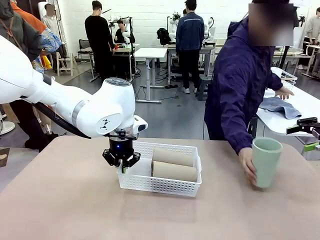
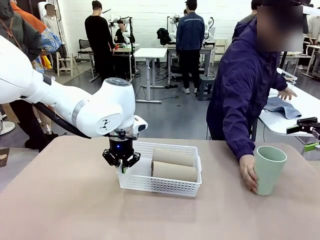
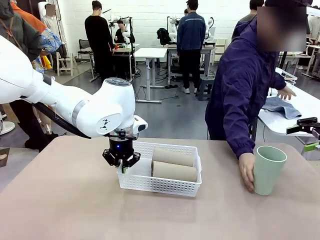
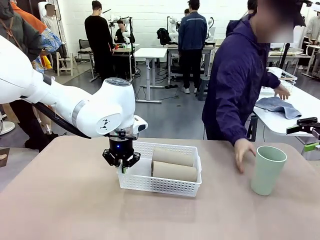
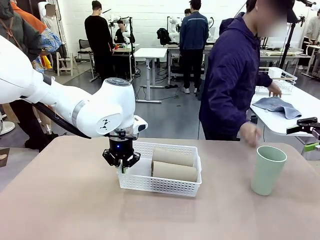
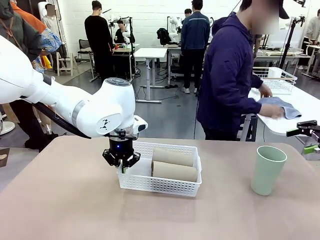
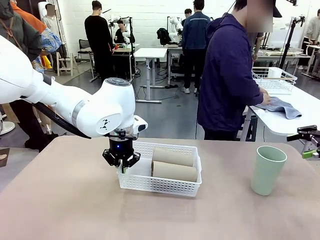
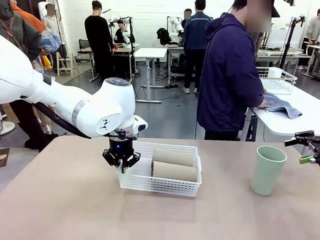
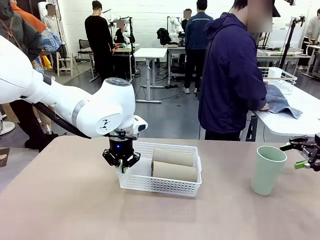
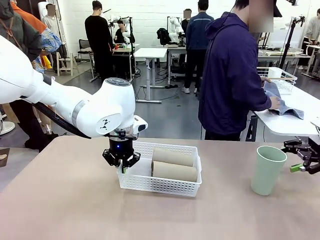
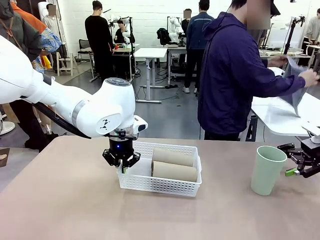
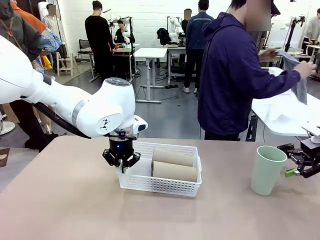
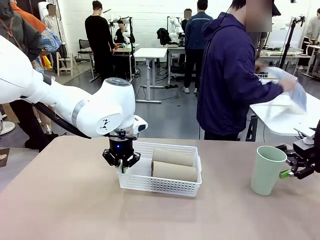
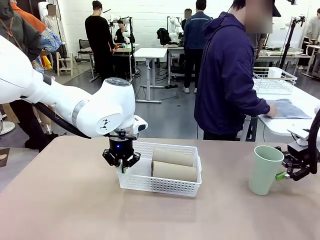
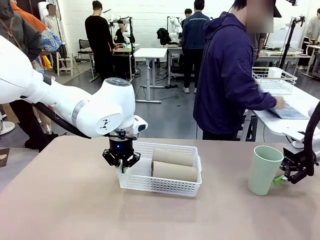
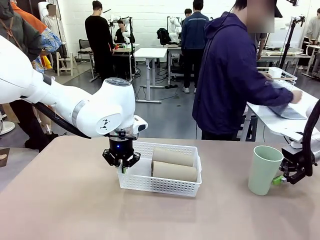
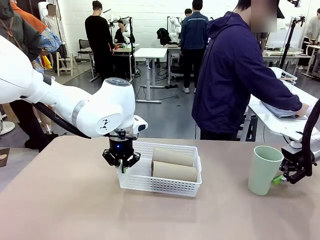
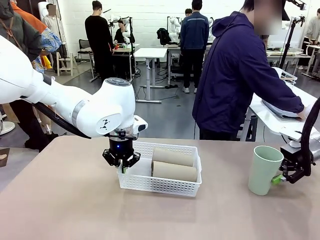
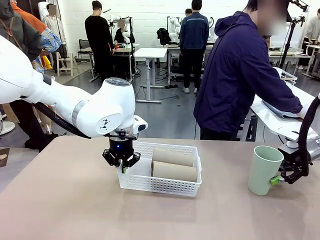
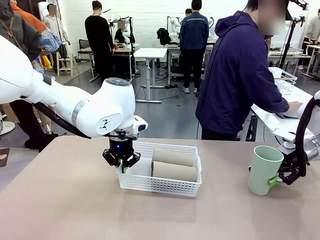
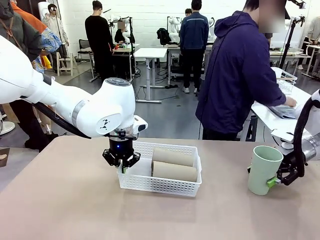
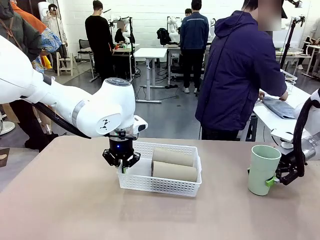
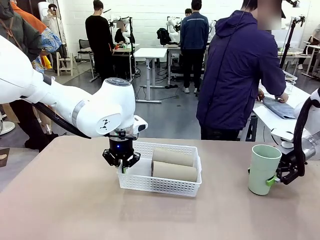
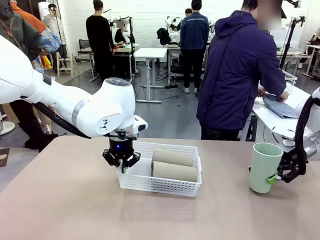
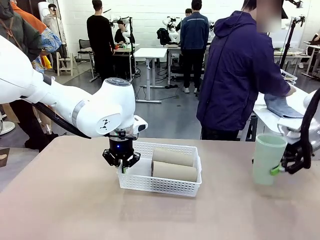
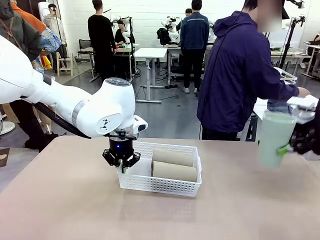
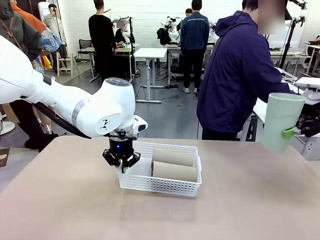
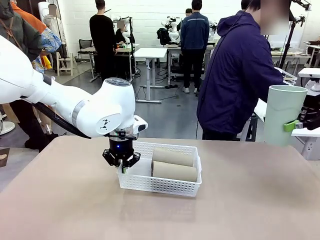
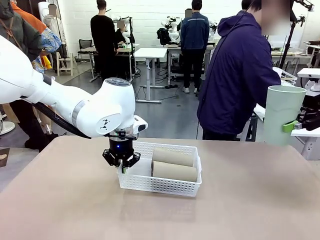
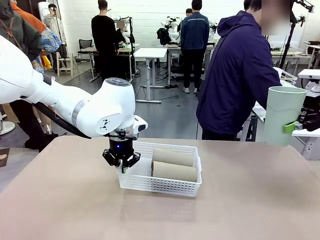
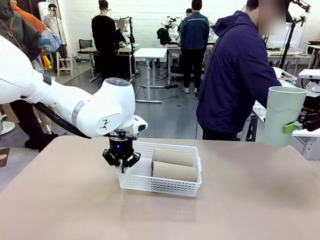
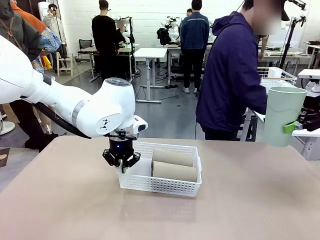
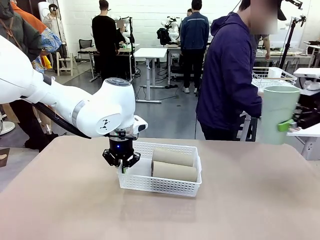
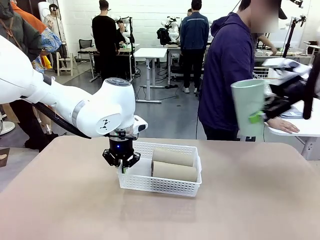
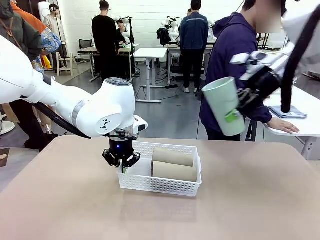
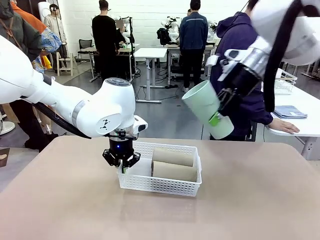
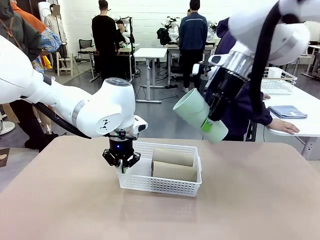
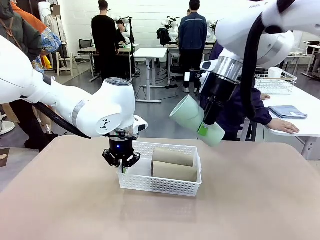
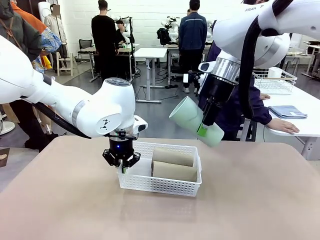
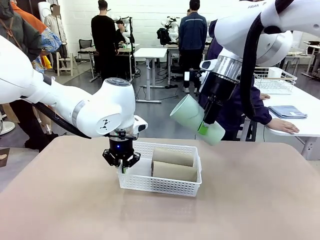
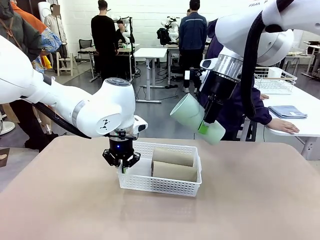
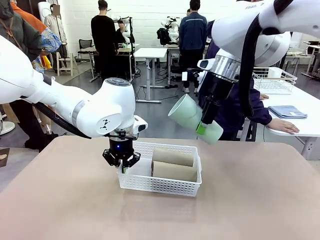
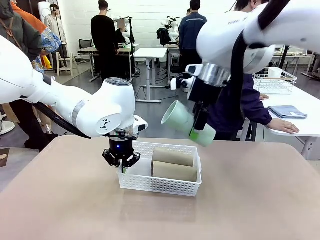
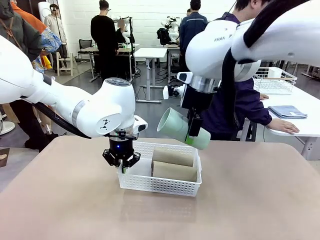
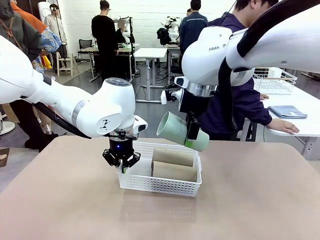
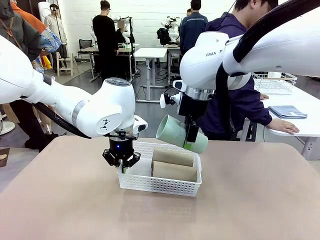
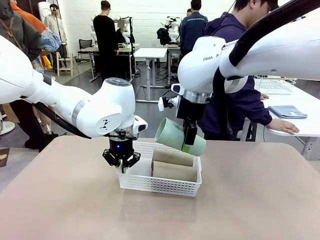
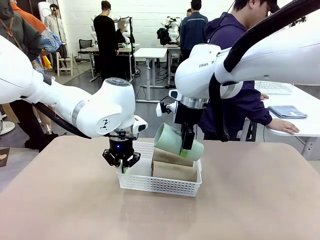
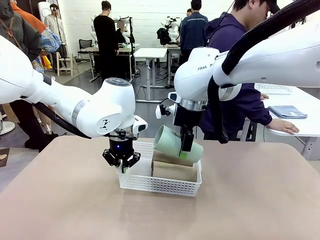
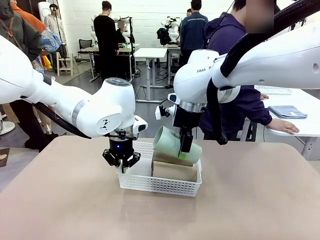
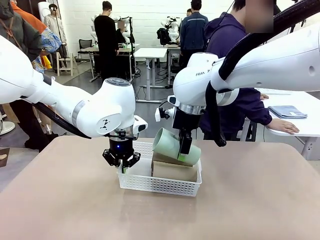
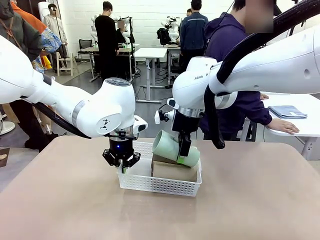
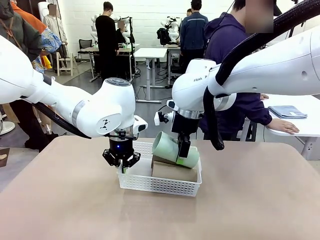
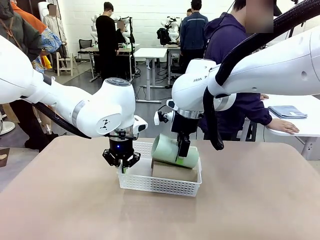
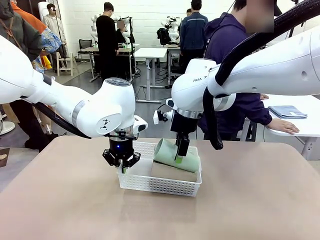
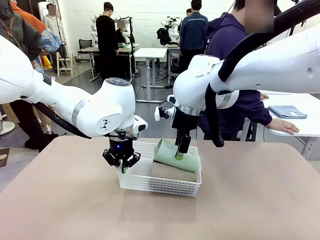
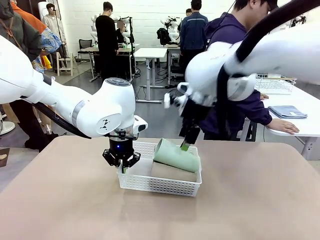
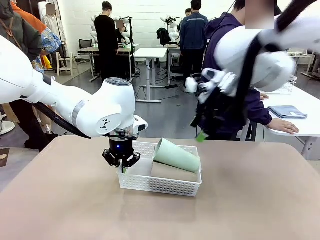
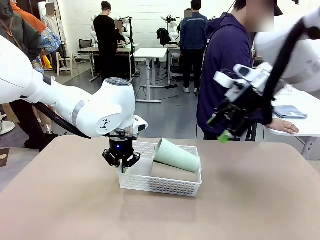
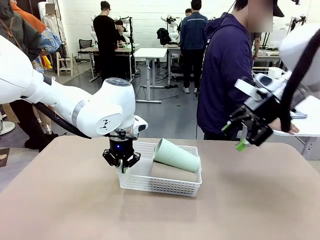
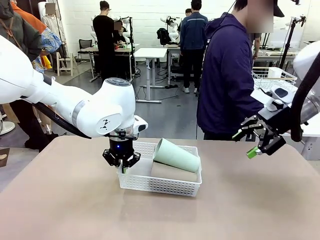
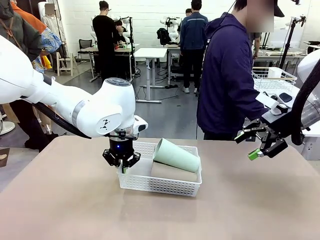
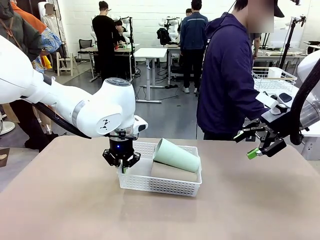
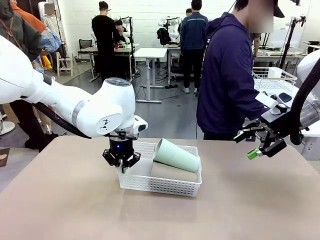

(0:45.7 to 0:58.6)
Task: Clean and organize the cups into the basket.
Robot: Pick up the Reusable plastic cup from the right side of the table and stack it inside the Organizing basket in the center of the table.
Person: Folds the towel in half twice and places it in the right of the table.

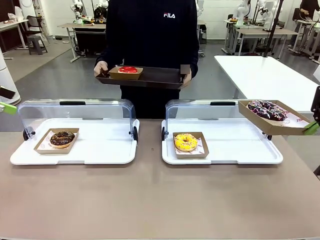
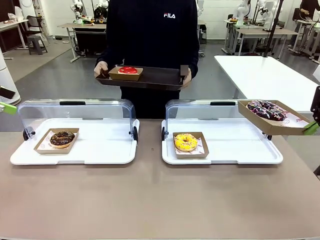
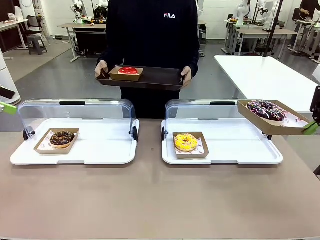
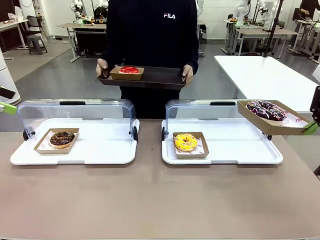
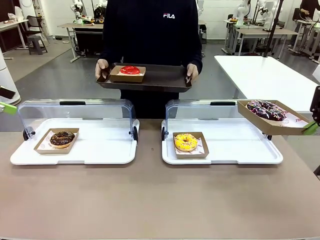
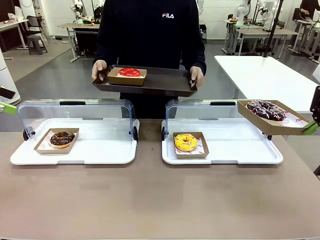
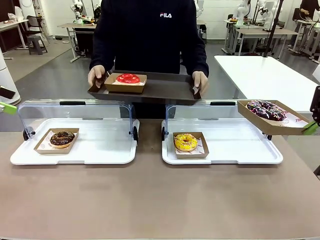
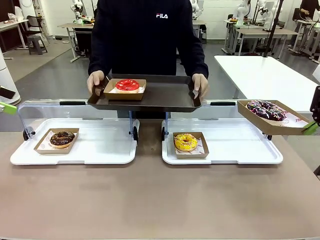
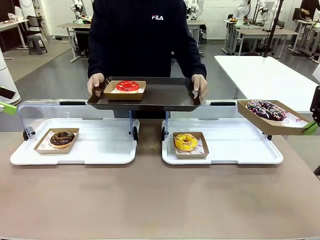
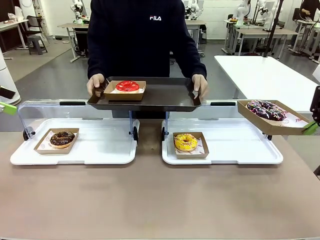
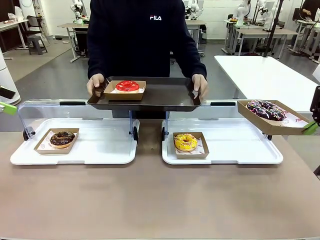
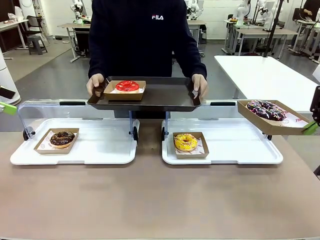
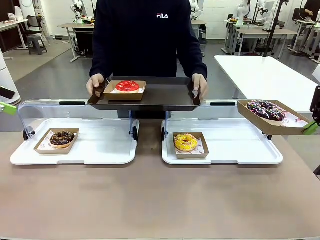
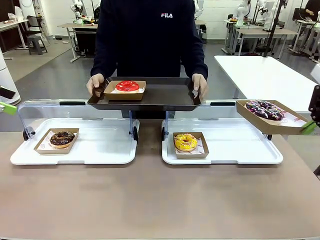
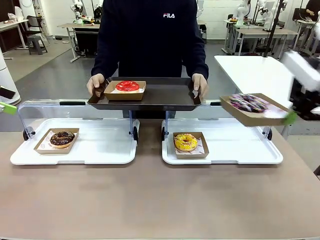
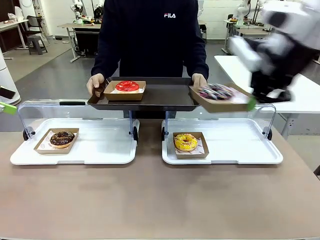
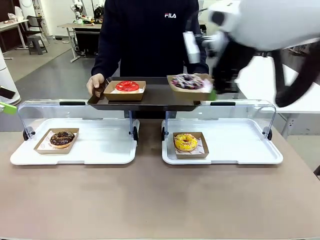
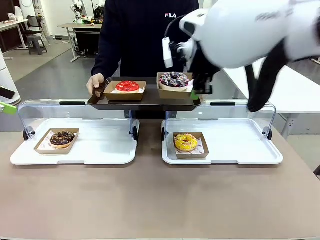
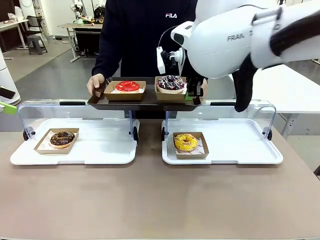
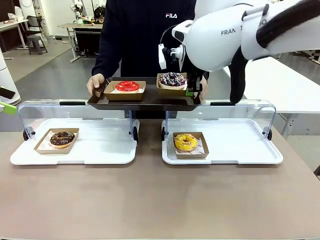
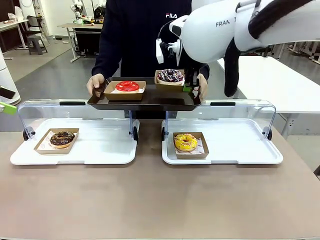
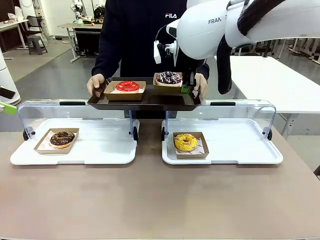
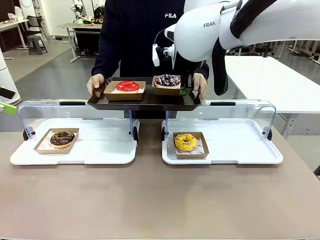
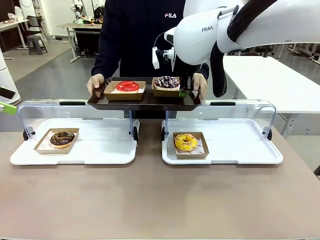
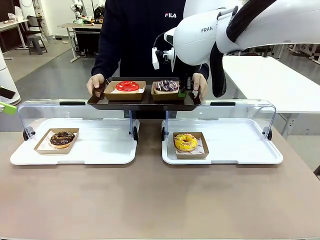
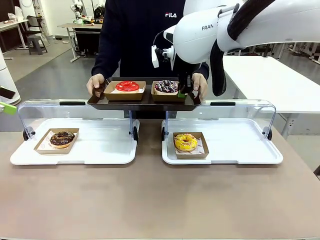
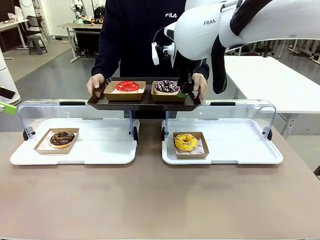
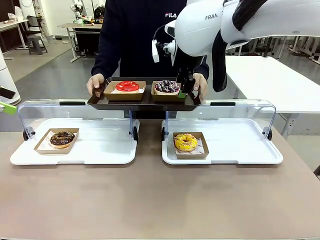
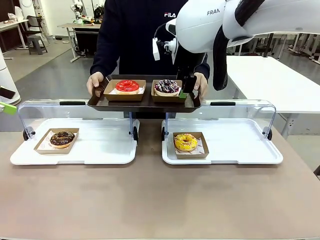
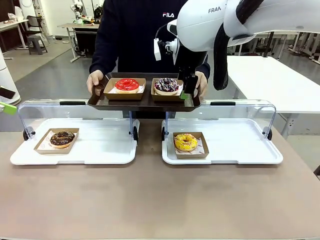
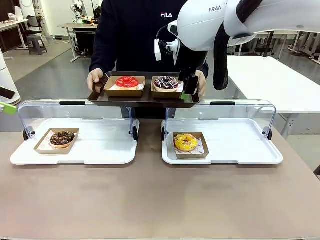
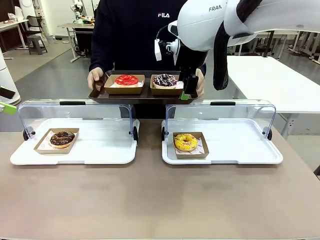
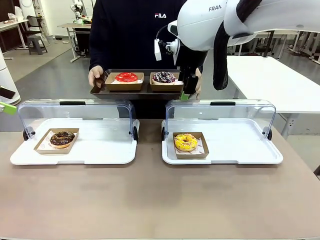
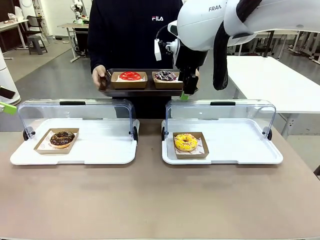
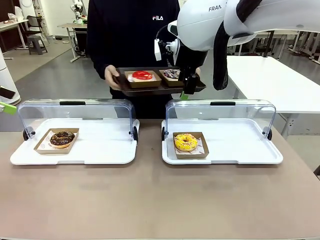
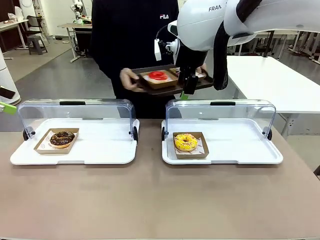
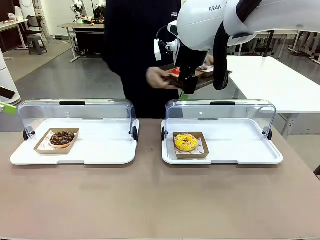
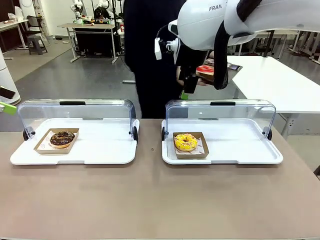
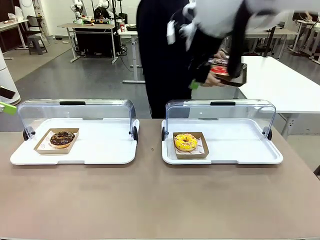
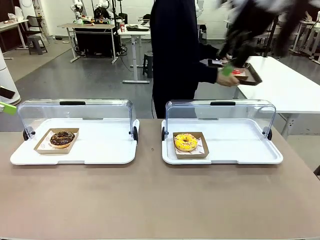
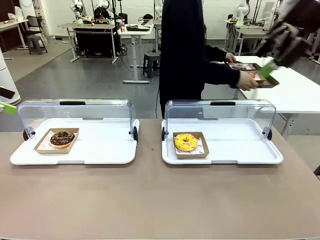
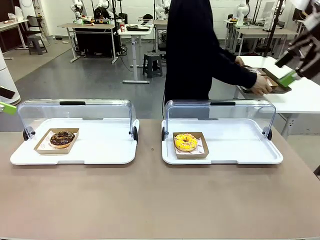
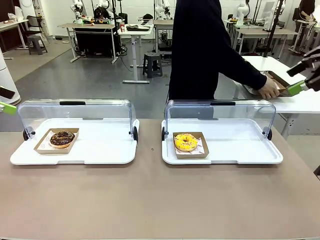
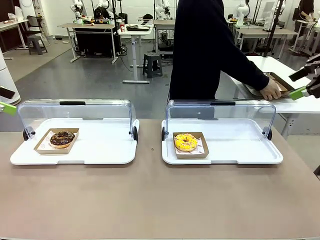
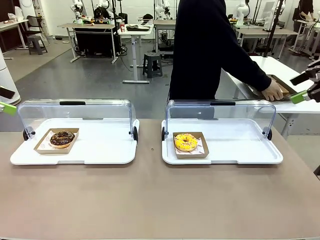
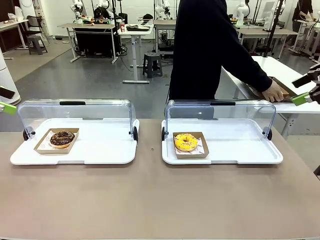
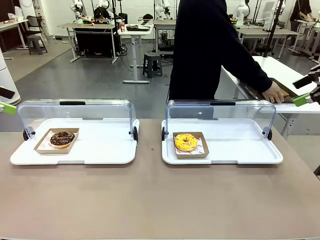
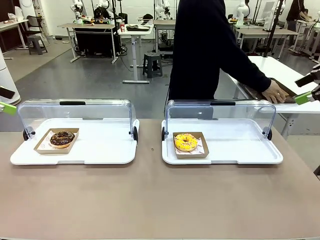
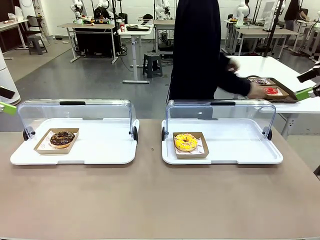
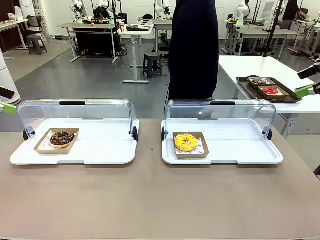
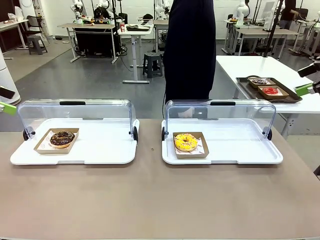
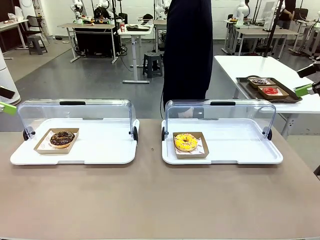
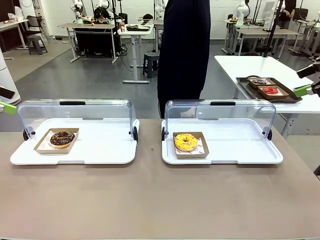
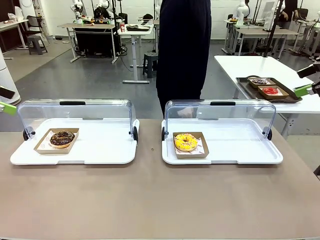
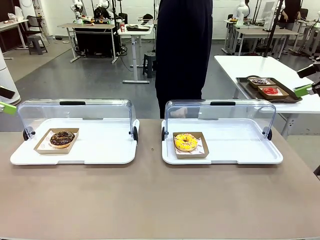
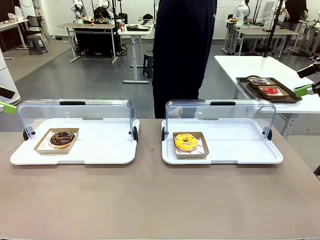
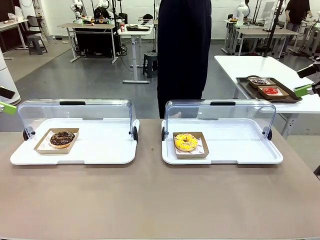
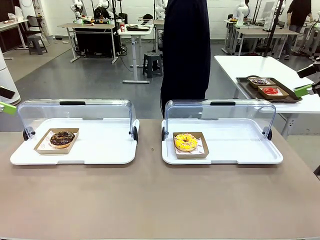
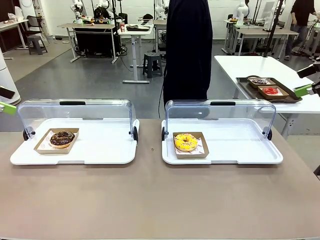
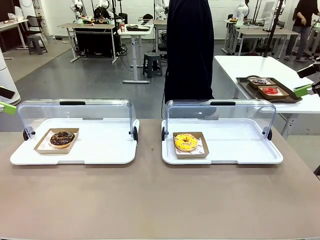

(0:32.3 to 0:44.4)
Task: Provide the desired donut to the person.
Robot: Place the picked Paper togo box onto the Handle tray extended by the person.
Person: Place the tray in the middle of the human table.
